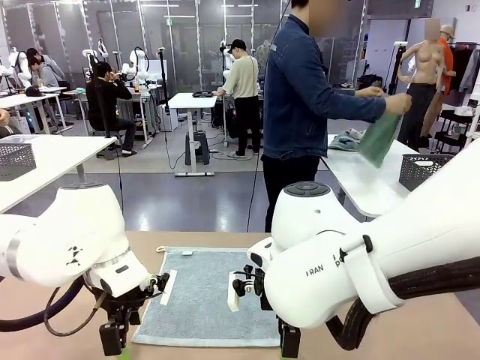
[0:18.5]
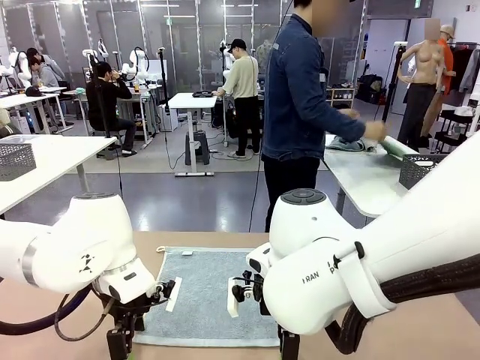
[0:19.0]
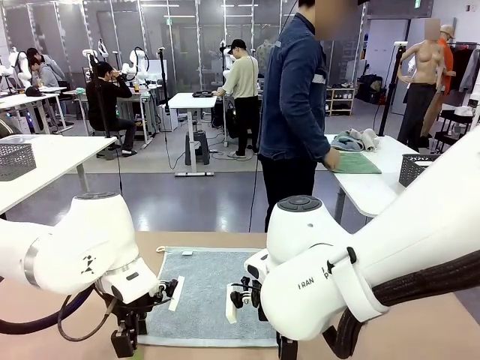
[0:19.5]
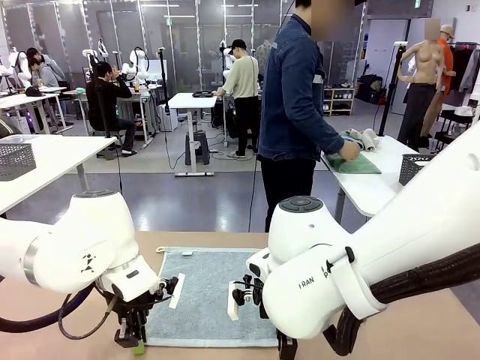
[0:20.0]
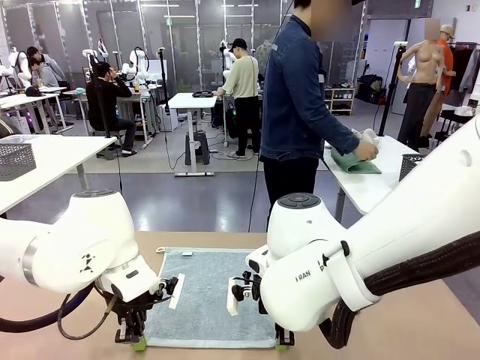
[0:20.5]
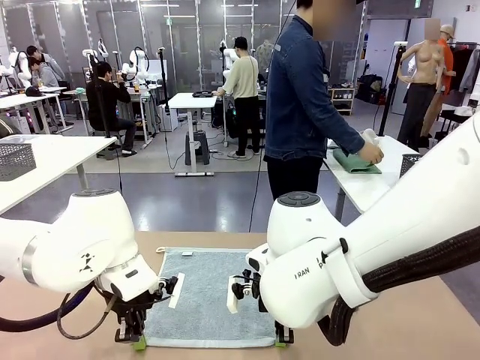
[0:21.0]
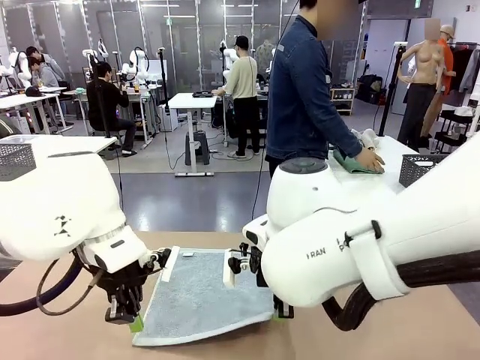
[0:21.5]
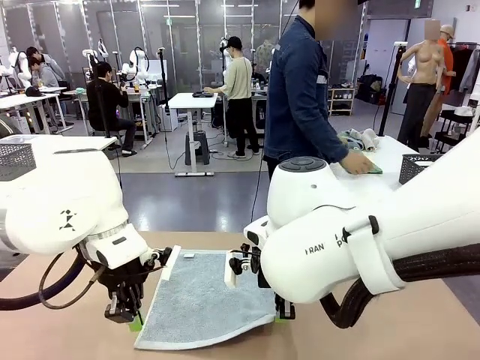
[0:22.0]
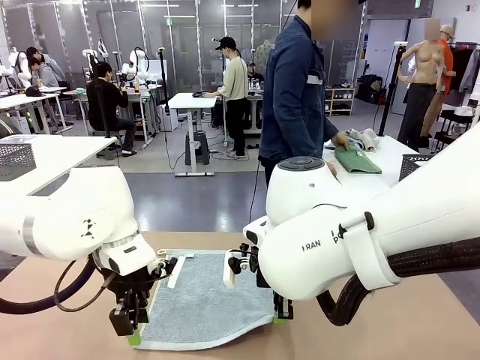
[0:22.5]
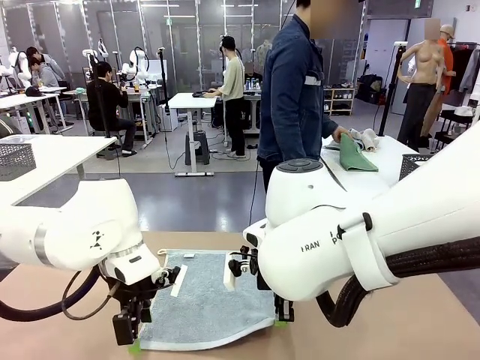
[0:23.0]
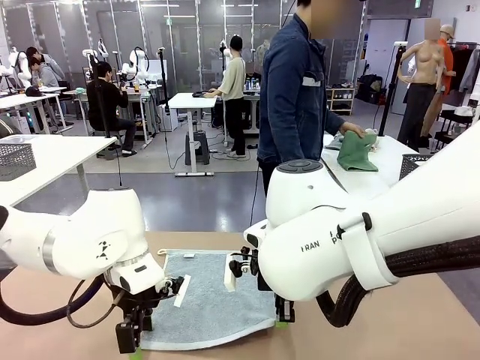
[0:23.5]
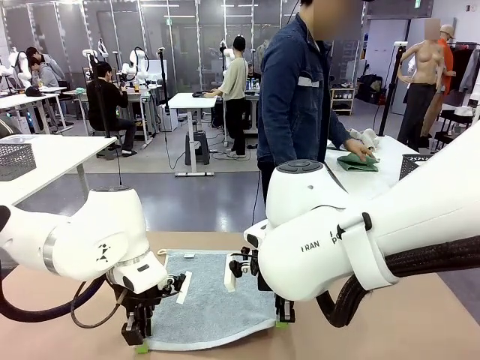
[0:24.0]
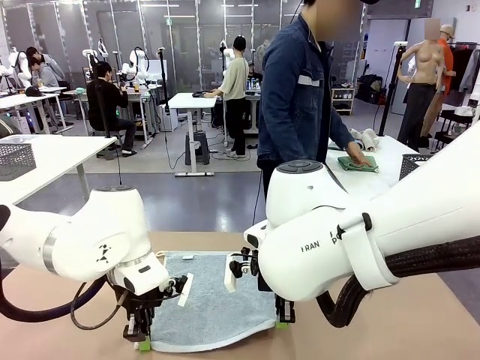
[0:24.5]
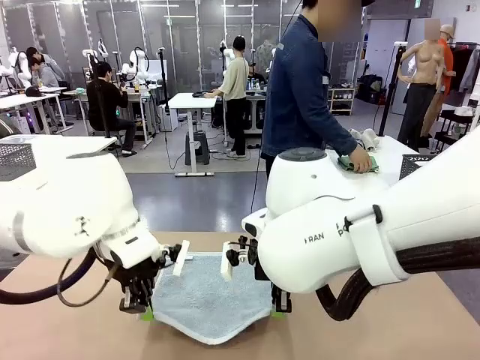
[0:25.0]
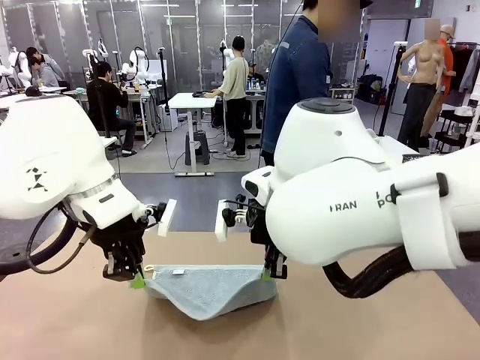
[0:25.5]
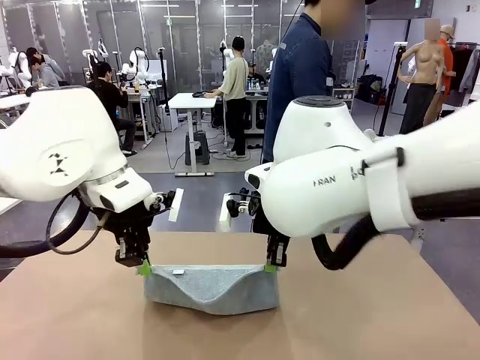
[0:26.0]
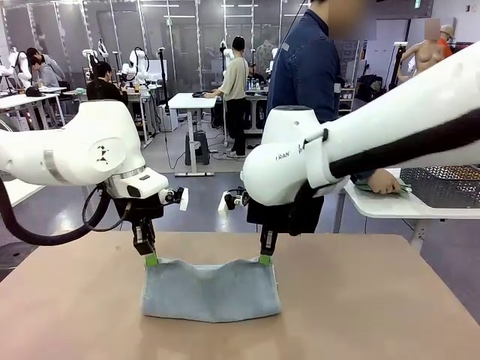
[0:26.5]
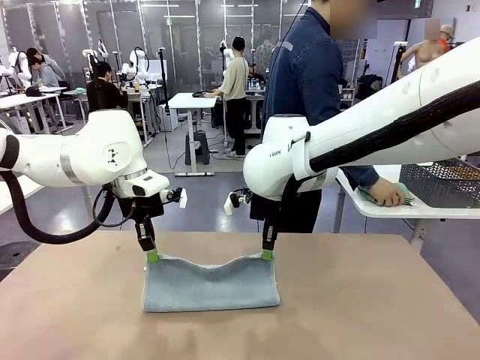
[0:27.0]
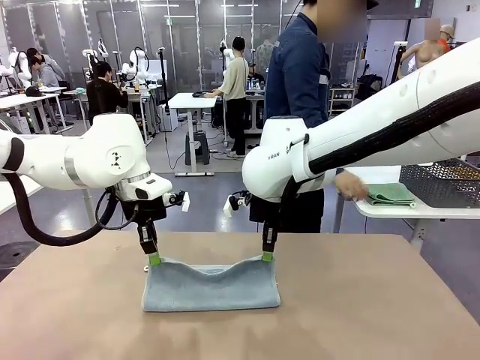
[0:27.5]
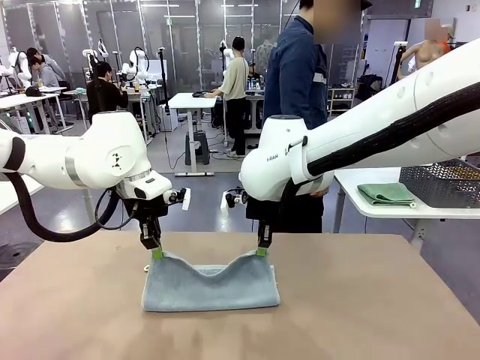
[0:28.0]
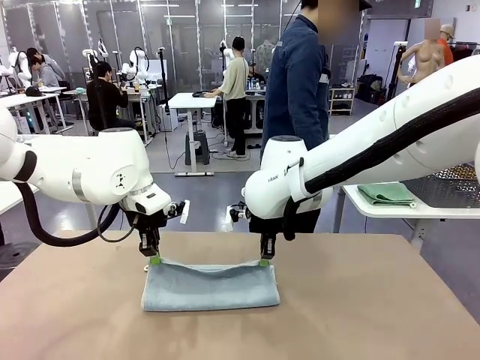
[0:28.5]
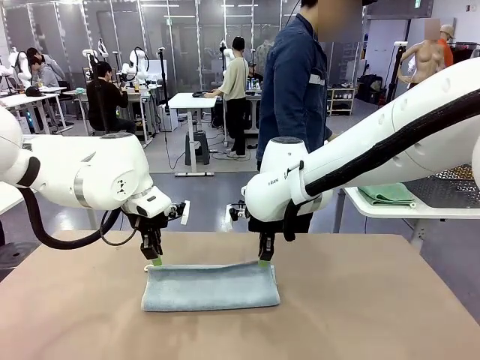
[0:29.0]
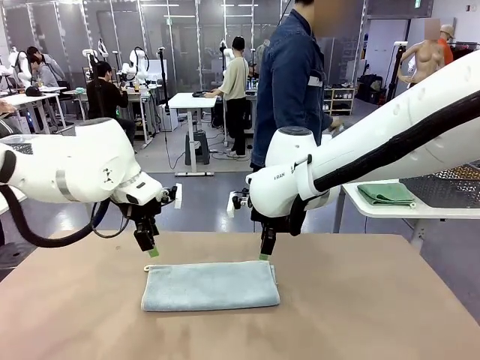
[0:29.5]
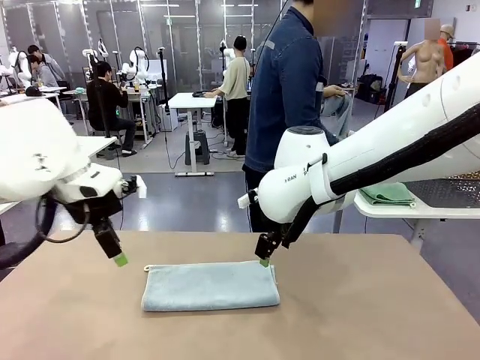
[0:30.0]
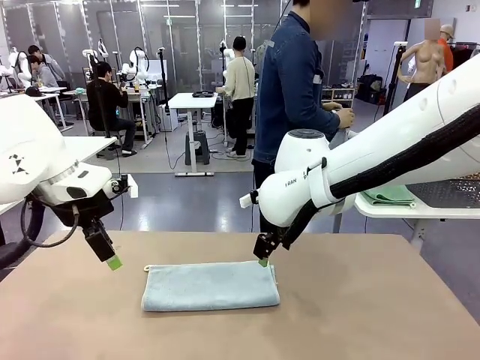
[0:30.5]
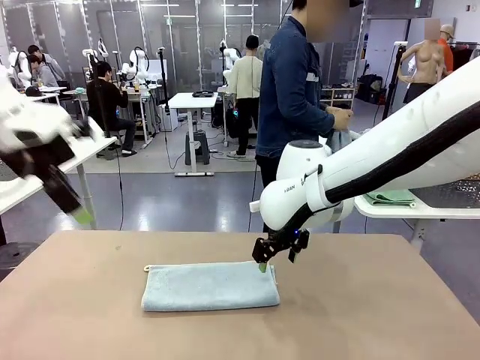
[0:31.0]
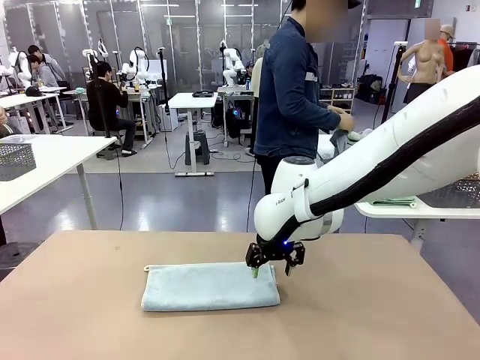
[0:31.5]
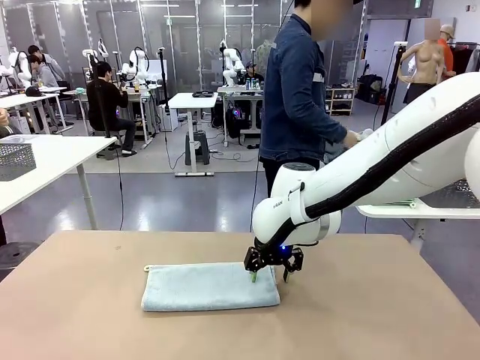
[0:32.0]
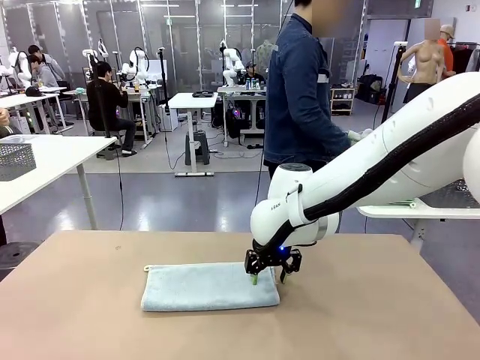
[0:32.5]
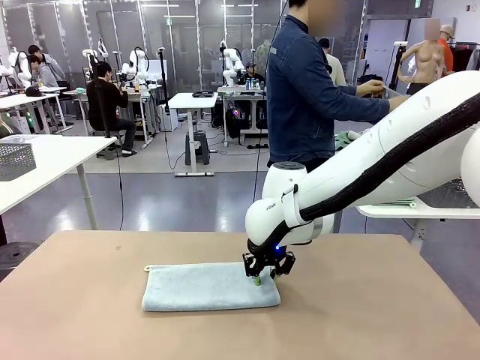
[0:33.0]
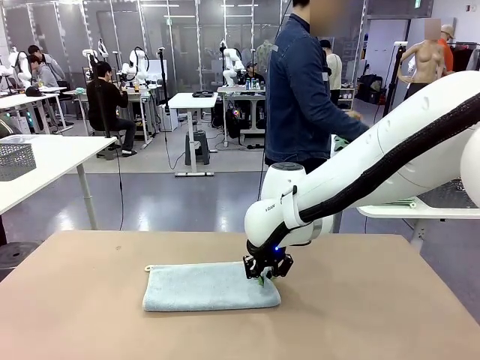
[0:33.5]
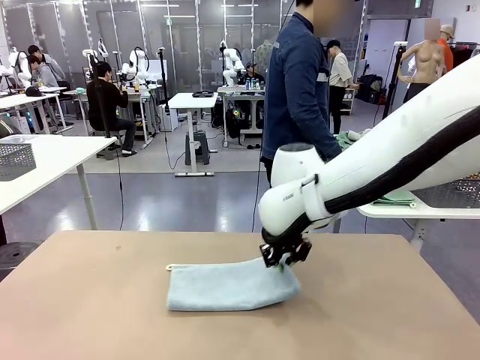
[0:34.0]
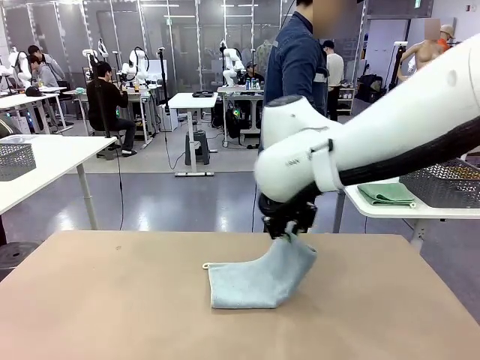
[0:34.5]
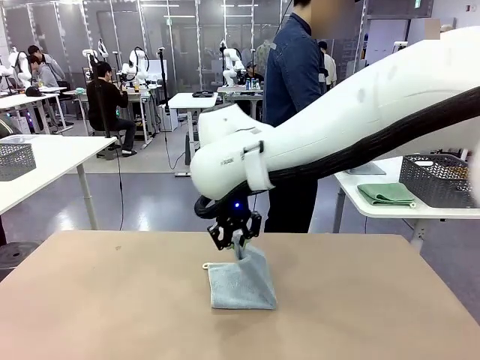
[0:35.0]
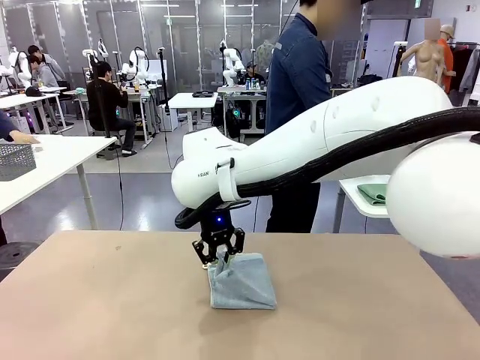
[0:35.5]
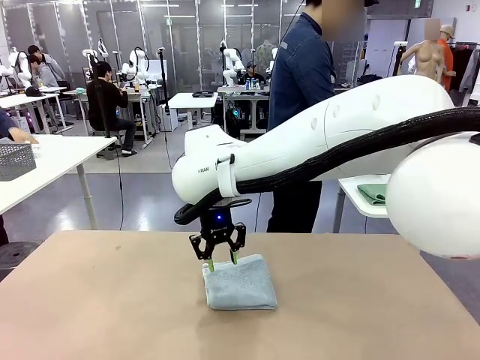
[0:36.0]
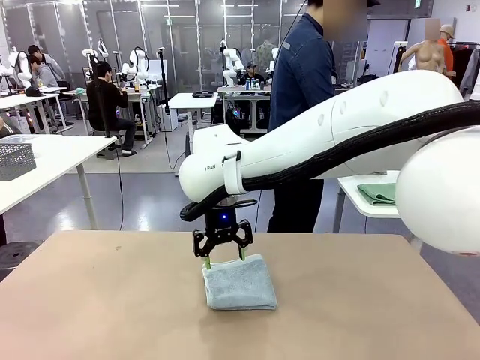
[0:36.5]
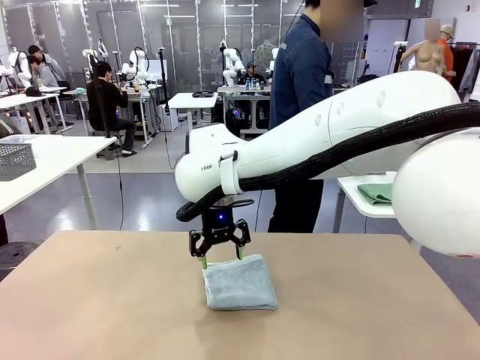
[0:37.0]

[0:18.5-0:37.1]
Task: Fold the towels and place them in the basket.
Robot: When a person lays out a Towel with hook on the table, fold it in half twice.
Person: Pick up one towel from the left side of the human table, fold it in half twice, and place it on the right side of the table. Pick up one towel from the left side of the human table, fold it in half twice, and stack it on the right side of the table.

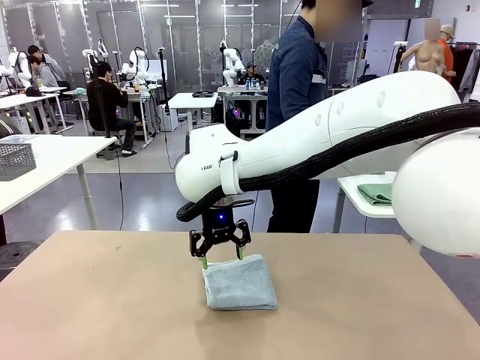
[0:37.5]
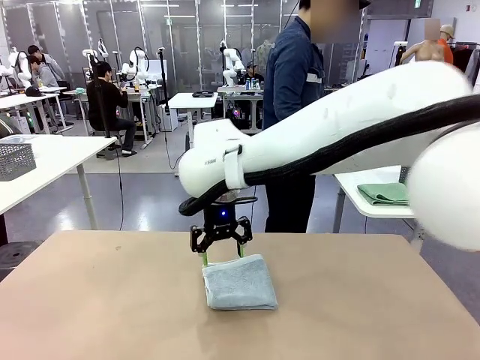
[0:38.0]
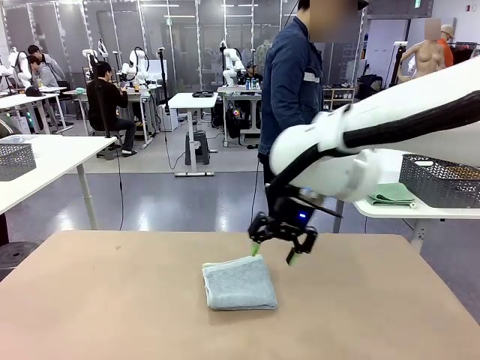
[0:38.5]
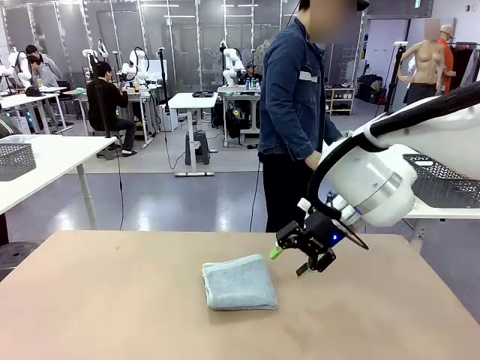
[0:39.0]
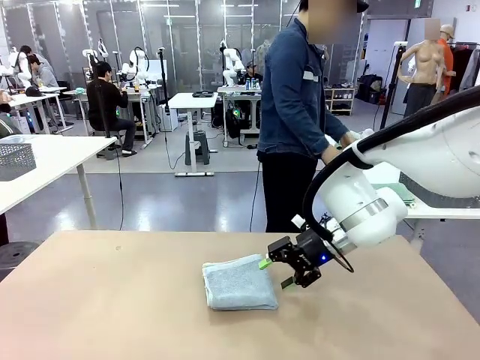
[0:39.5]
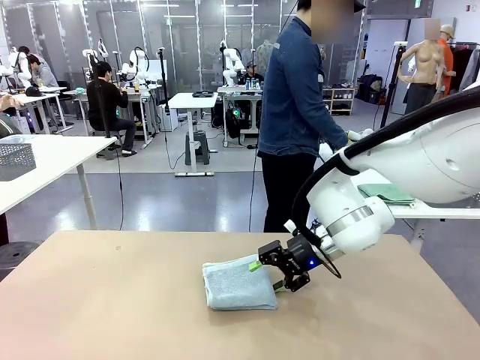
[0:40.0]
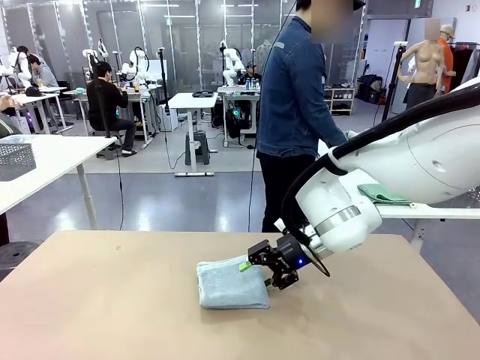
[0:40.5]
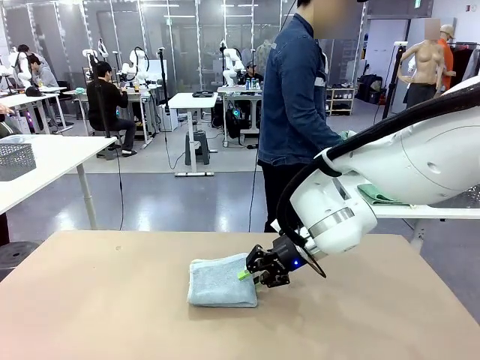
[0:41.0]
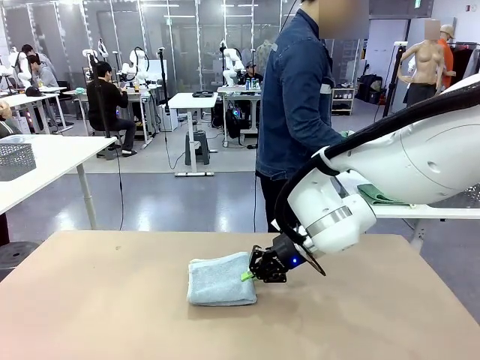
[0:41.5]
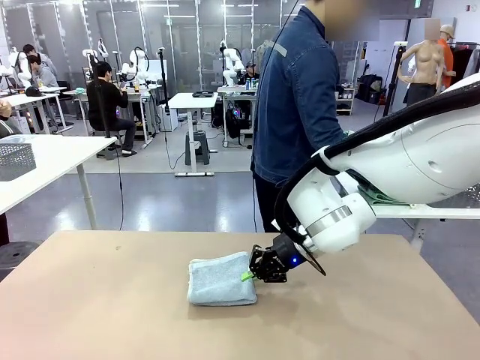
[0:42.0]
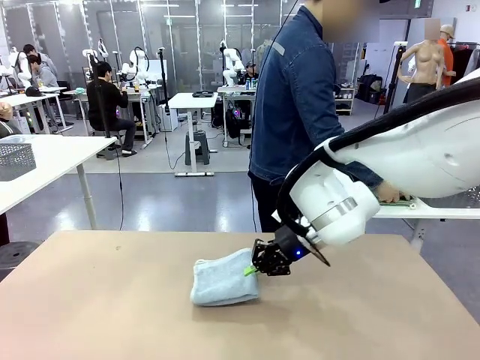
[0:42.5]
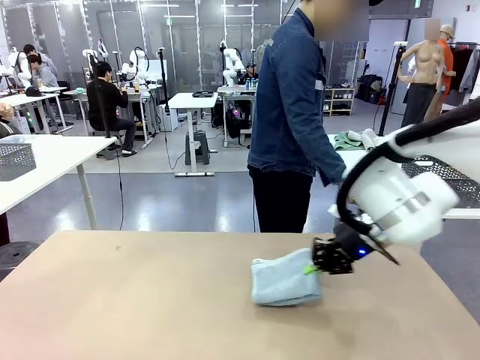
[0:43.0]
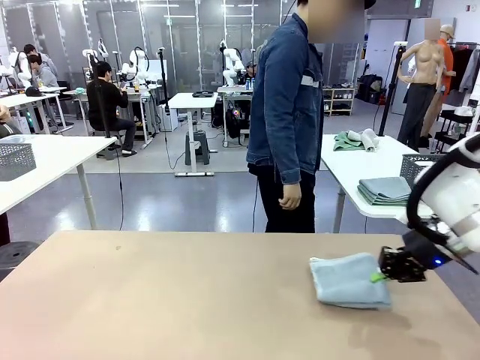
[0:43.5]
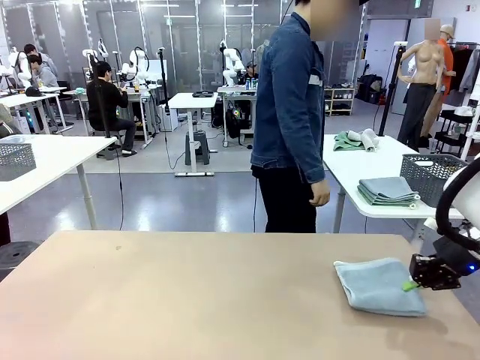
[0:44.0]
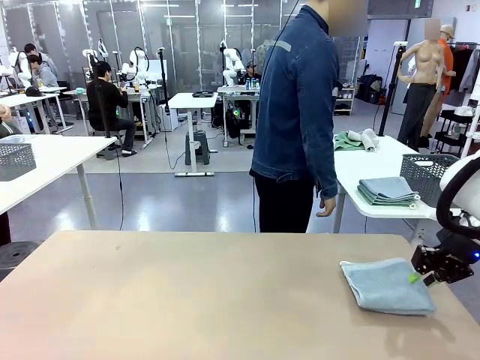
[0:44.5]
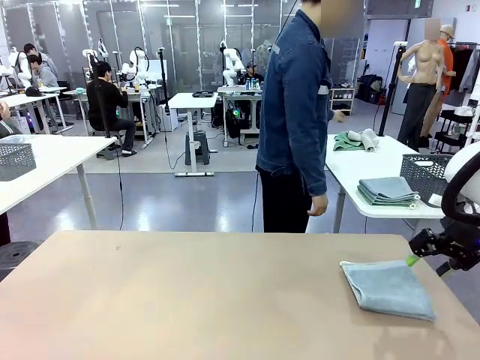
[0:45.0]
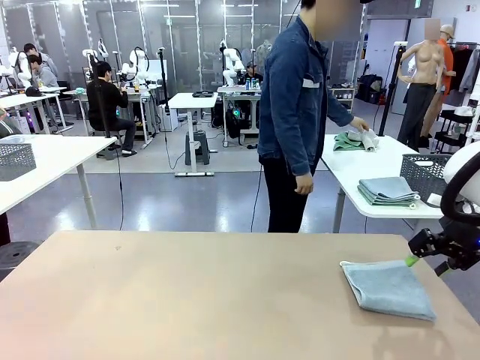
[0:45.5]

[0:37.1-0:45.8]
Robot: Place the folded Towel with hook on the right side of the table.
